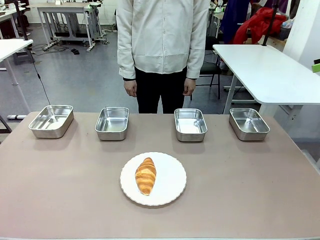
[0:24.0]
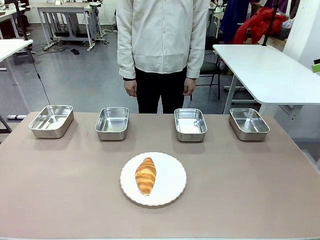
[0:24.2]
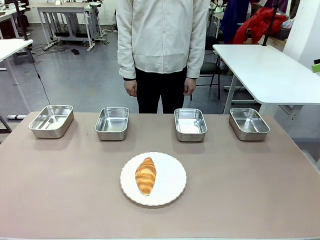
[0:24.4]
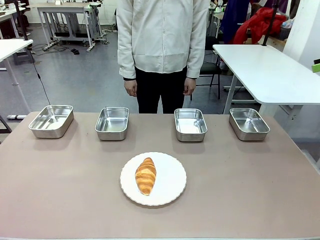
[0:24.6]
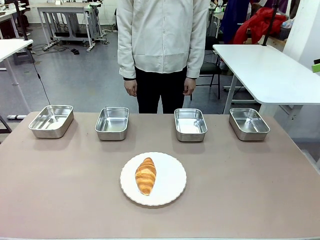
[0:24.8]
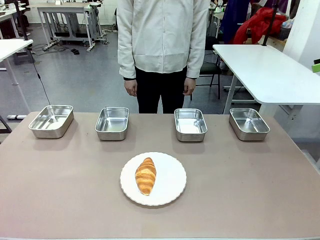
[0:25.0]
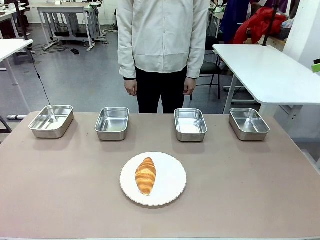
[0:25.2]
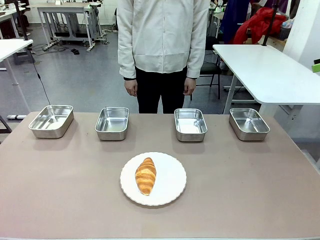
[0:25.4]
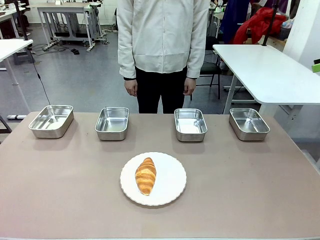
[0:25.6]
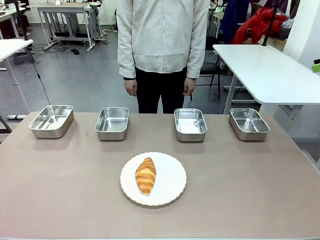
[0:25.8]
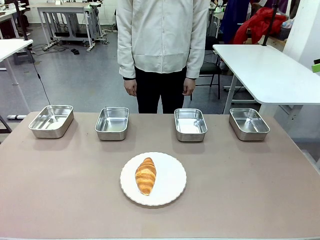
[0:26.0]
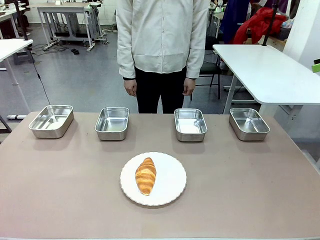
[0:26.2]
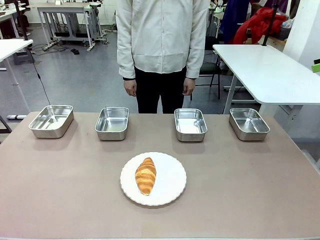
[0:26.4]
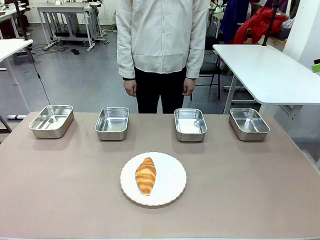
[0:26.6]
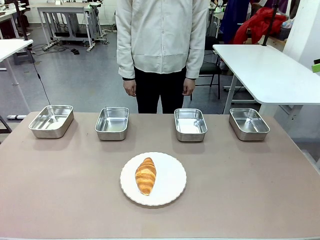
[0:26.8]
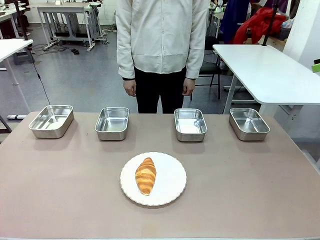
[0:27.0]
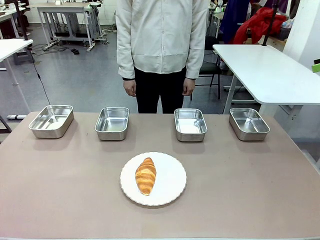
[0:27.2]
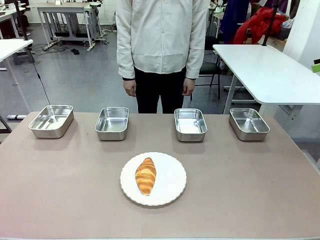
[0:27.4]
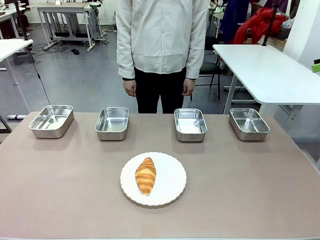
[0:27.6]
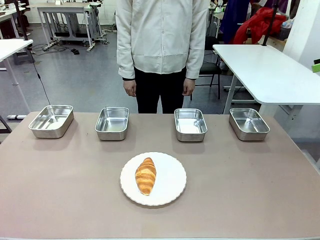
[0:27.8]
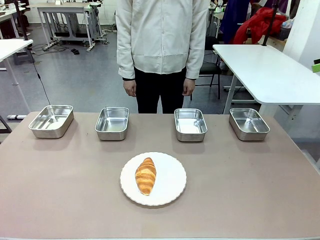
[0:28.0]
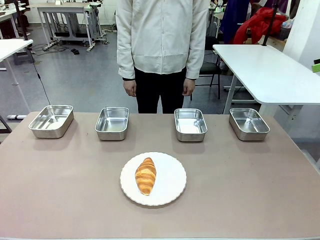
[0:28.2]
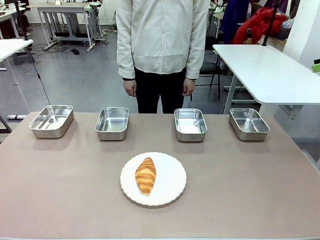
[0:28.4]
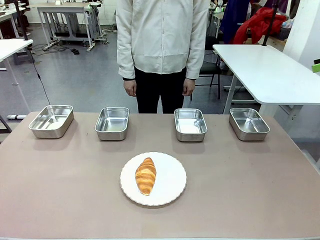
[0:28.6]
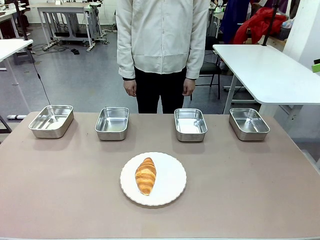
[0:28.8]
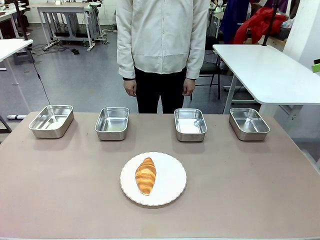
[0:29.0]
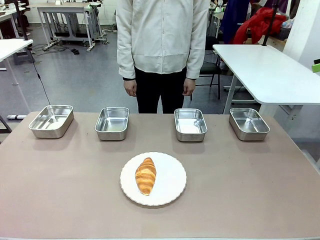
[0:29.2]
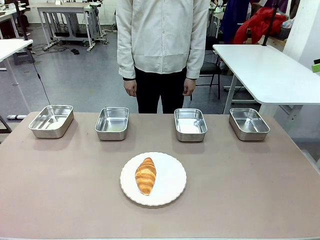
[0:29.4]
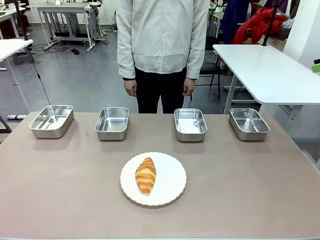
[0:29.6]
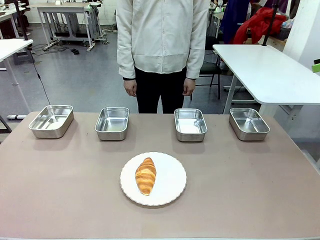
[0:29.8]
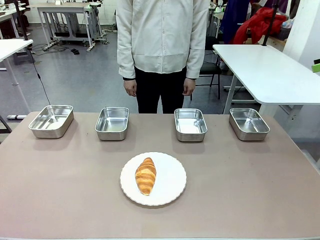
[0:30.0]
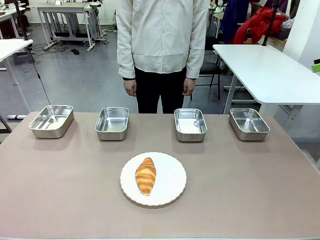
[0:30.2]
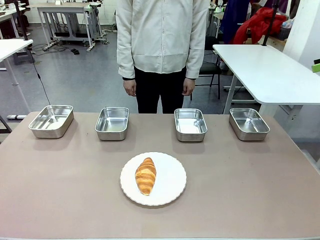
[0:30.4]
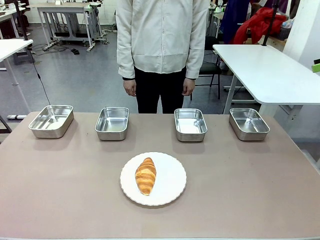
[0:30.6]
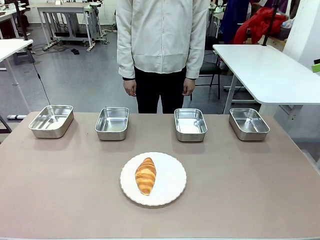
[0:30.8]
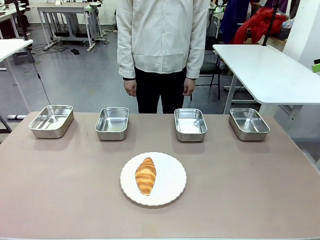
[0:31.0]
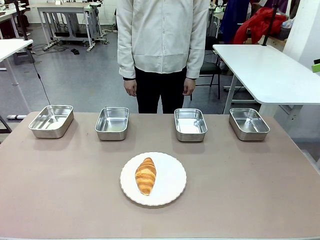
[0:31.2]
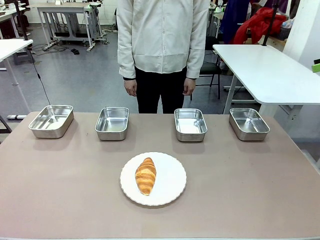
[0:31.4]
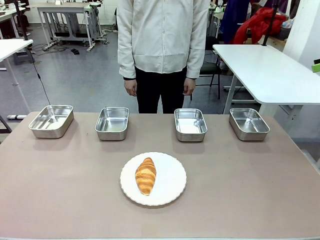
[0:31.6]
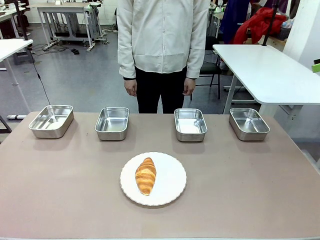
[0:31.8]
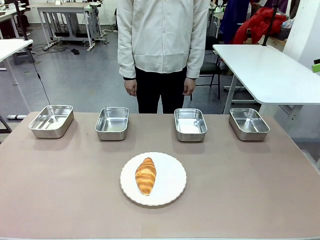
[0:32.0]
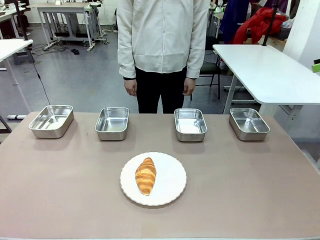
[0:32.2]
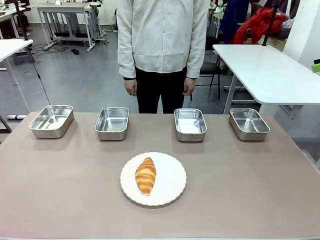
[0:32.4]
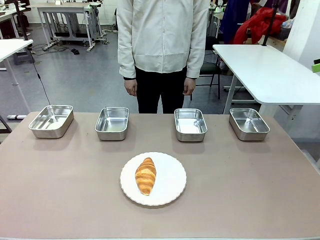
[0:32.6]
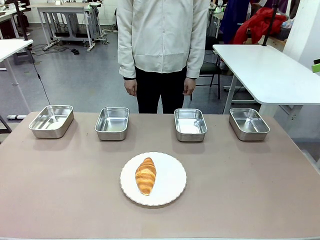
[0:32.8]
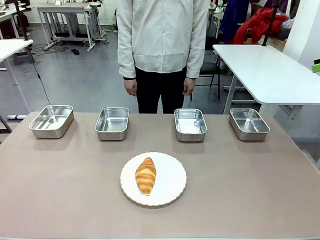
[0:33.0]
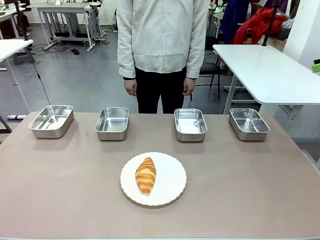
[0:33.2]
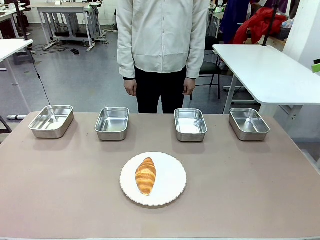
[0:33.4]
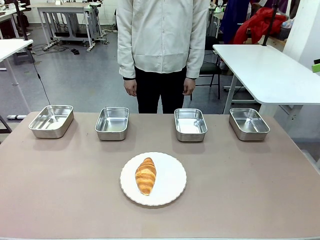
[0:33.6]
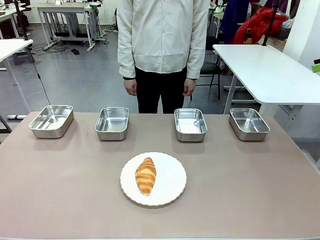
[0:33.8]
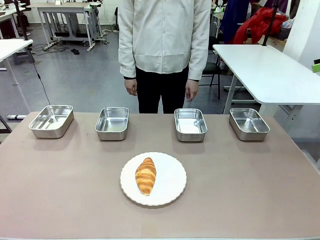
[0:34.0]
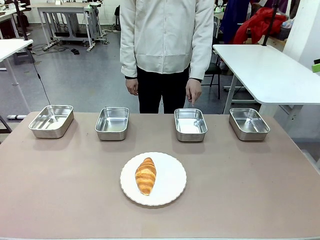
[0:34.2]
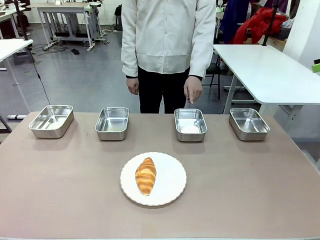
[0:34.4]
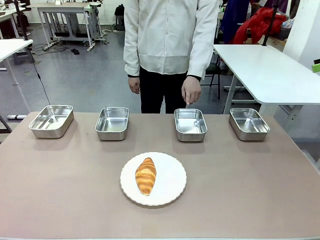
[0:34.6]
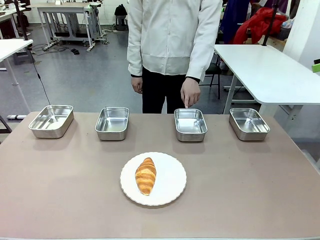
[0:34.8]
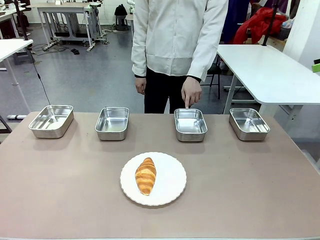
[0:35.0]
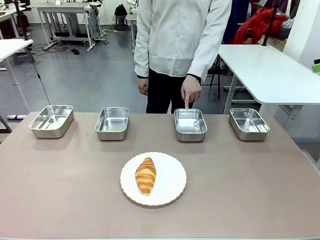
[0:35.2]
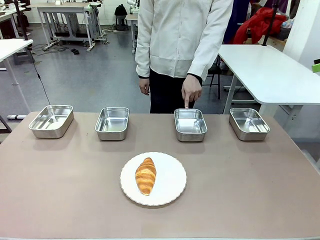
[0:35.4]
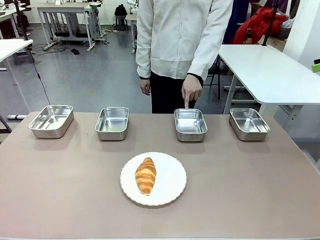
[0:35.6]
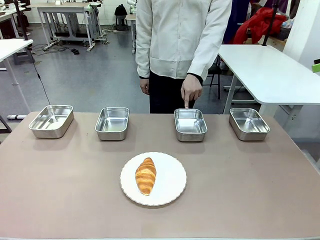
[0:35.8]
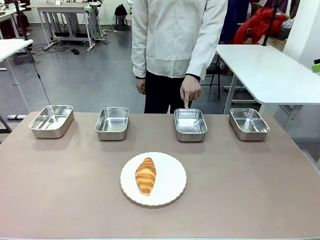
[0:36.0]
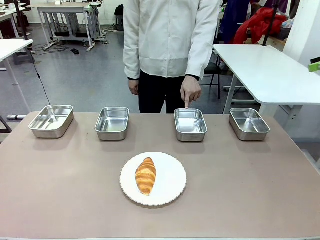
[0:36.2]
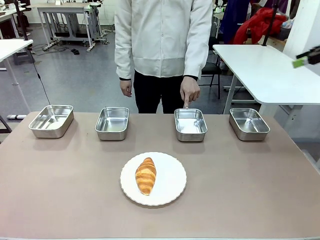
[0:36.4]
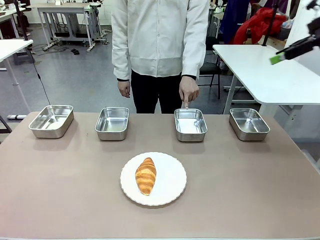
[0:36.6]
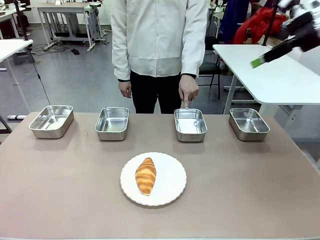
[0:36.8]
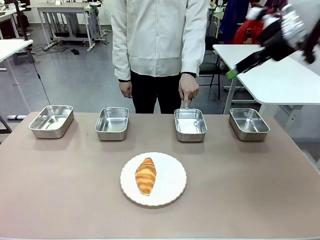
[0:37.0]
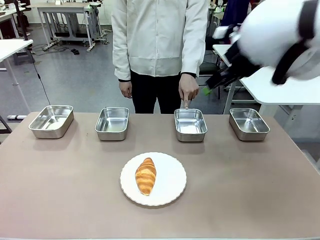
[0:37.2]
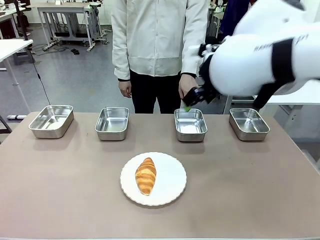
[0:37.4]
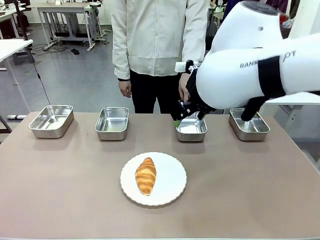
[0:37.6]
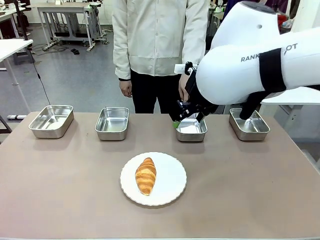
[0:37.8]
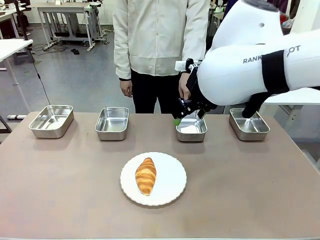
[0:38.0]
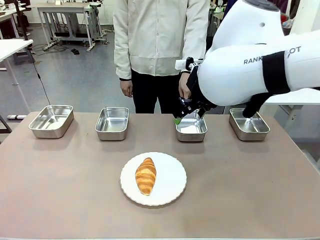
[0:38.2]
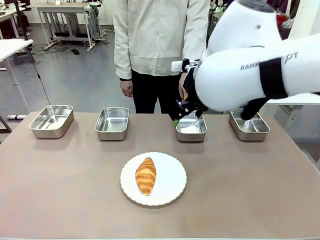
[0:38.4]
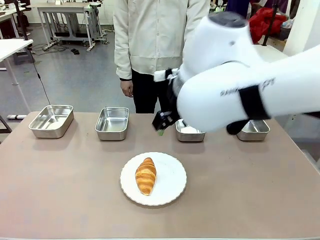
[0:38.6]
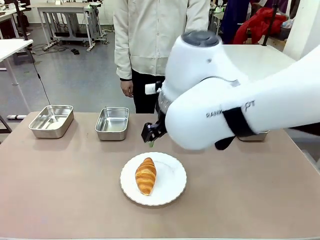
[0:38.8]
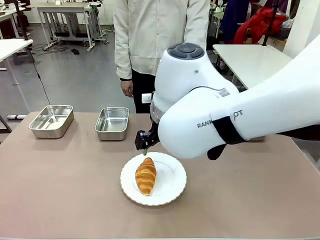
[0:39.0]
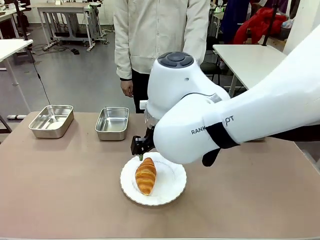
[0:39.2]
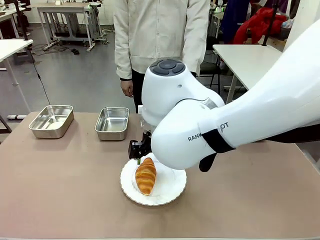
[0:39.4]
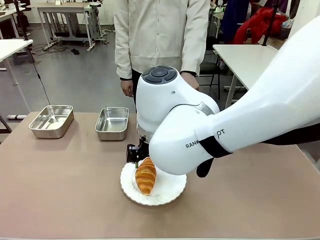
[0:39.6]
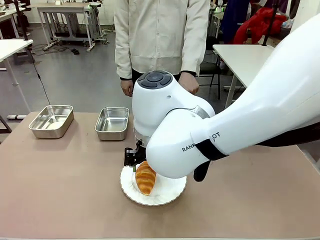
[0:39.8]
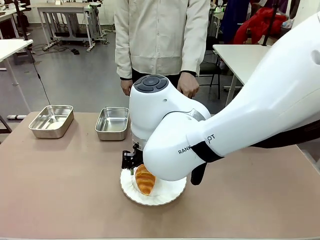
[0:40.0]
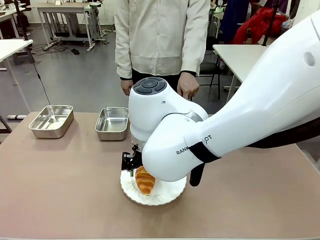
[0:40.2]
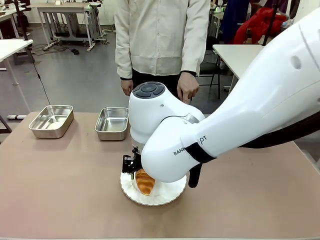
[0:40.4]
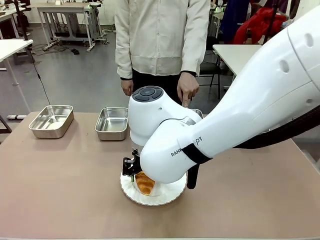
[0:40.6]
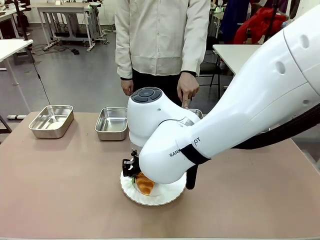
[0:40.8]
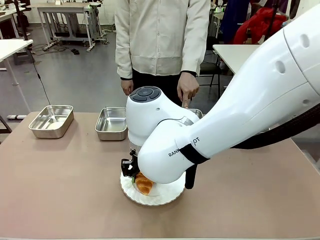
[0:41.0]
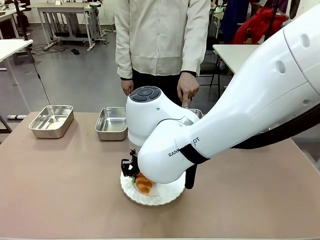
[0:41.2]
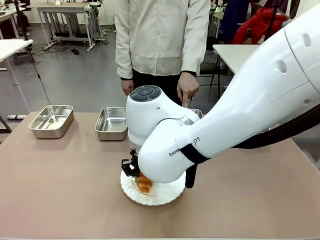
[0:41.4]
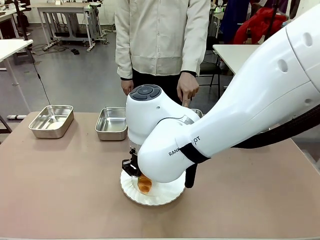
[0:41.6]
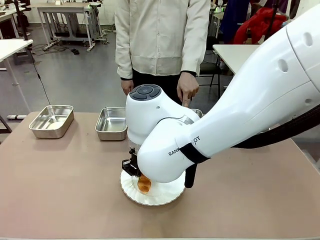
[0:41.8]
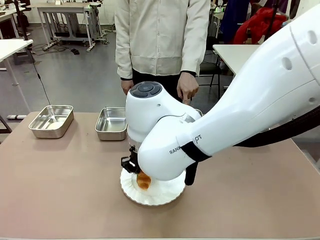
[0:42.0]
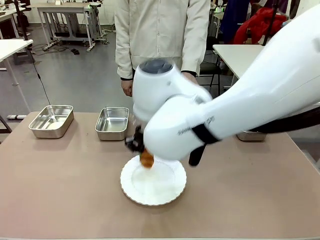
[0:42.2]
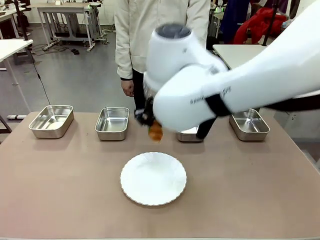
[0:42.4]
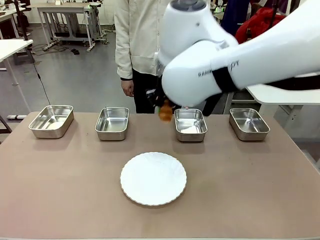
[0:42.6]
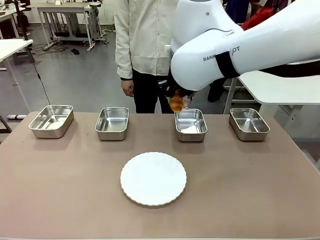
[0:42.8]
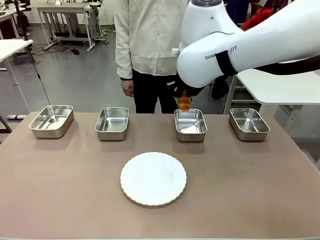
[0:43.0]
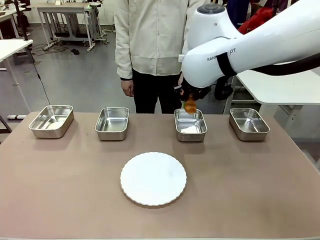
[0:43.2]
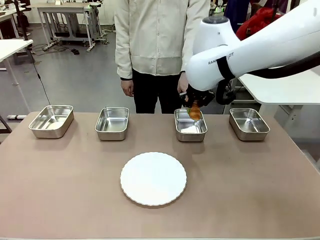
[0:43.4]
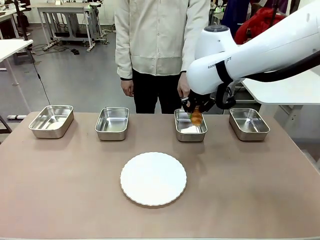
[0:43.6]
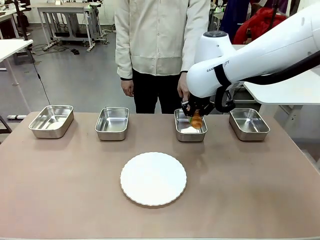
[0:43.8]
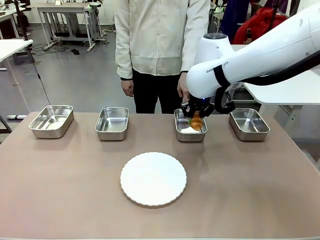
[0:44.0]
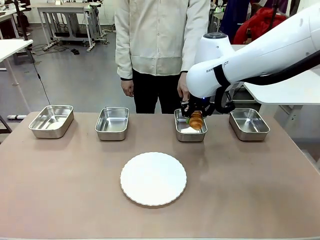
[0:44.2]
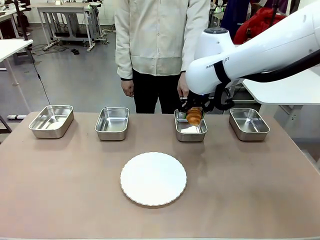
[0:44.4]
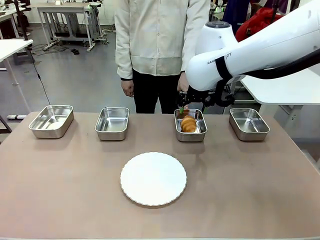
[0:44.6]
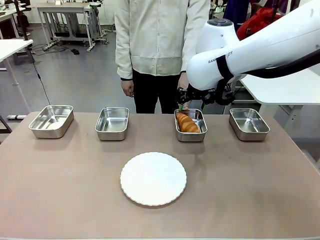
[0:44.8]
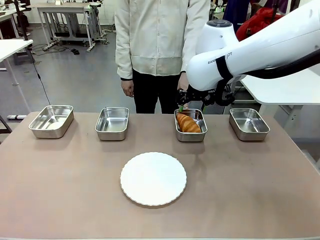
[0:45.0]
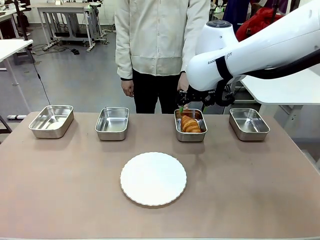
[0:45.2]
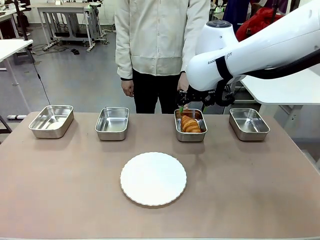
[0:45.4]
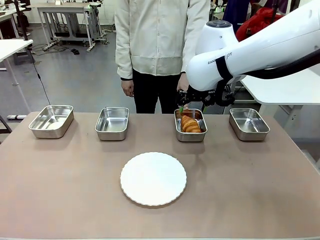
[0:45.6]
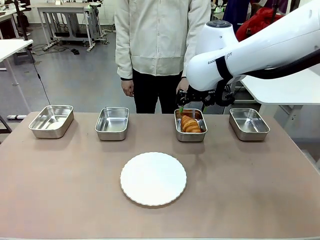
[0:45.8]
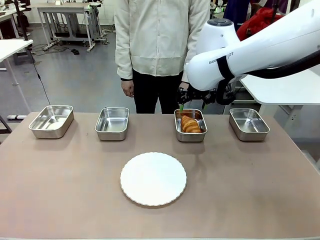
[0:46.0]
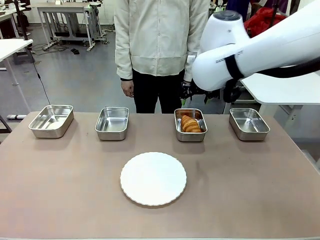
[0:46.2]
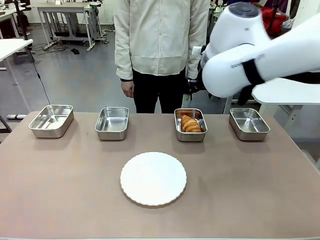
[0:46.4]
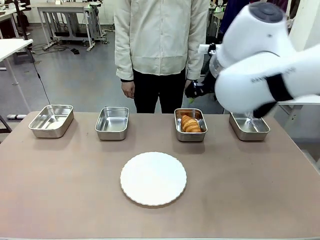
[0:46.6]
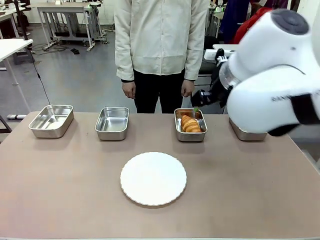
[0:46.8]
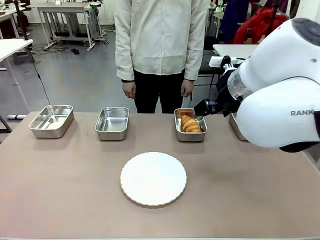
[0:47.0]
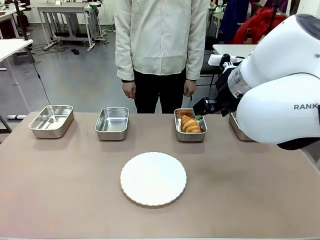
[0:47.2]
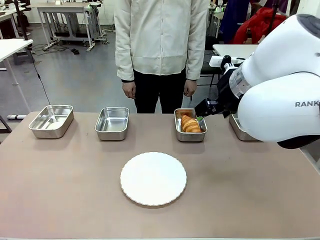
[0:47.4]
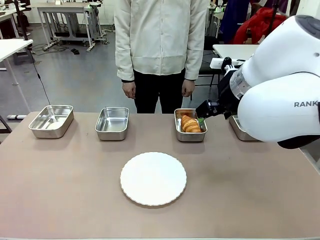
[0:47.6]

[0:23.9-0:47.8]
Task: Place the bread in the container.
Robot: Place the Butter Roll into the Airtight Container indicated by the human.
